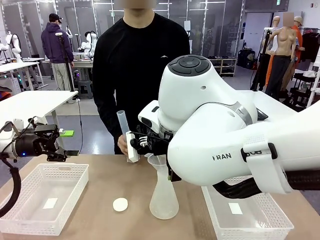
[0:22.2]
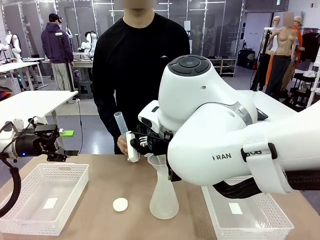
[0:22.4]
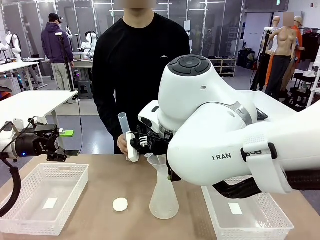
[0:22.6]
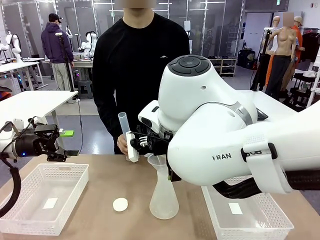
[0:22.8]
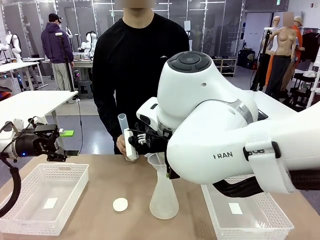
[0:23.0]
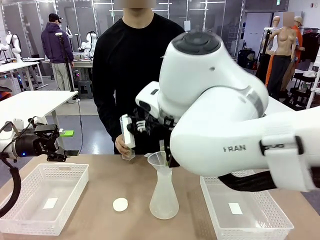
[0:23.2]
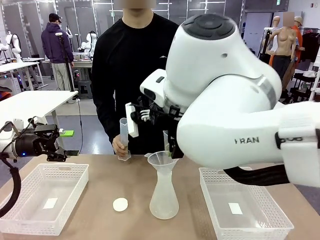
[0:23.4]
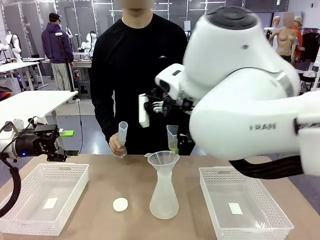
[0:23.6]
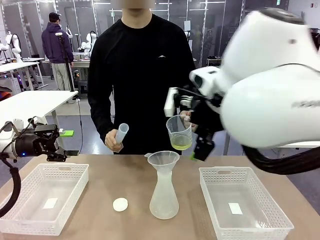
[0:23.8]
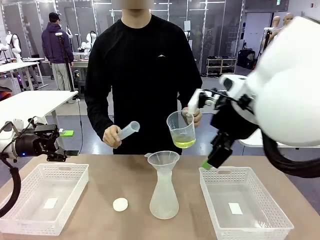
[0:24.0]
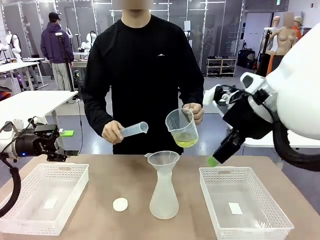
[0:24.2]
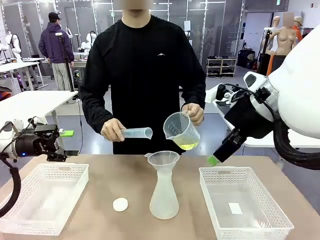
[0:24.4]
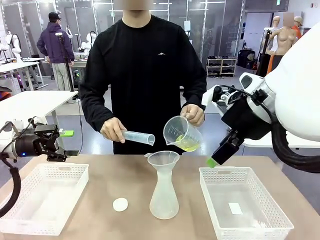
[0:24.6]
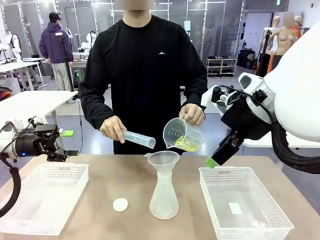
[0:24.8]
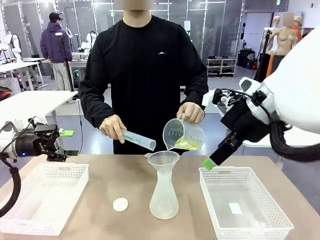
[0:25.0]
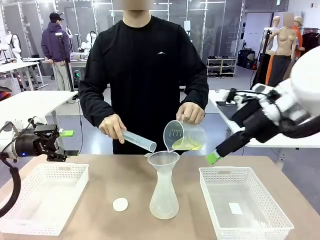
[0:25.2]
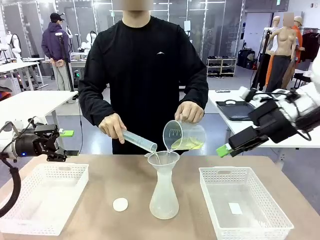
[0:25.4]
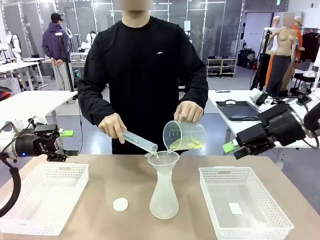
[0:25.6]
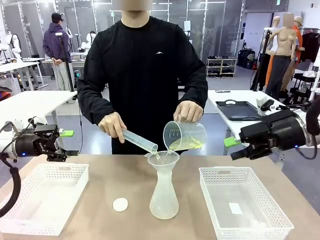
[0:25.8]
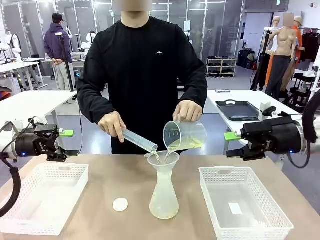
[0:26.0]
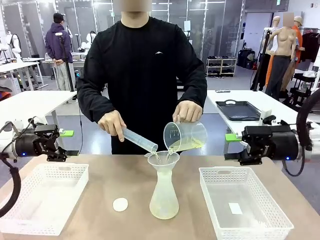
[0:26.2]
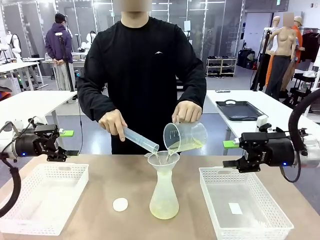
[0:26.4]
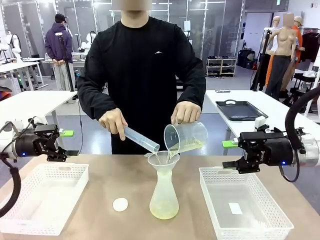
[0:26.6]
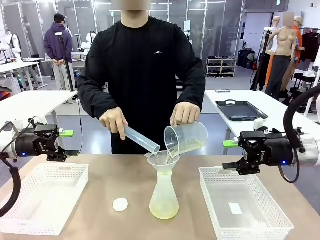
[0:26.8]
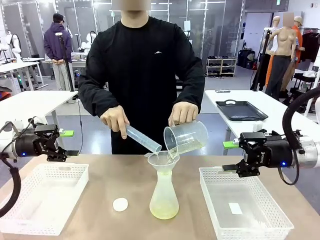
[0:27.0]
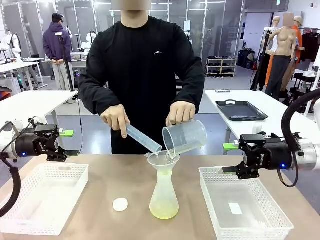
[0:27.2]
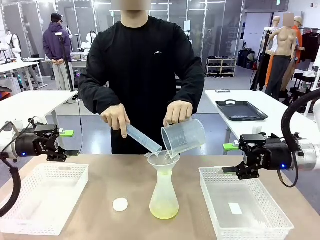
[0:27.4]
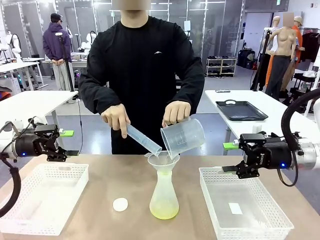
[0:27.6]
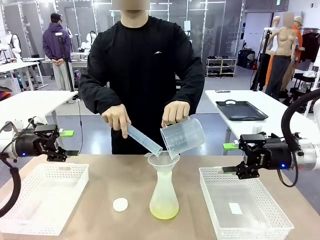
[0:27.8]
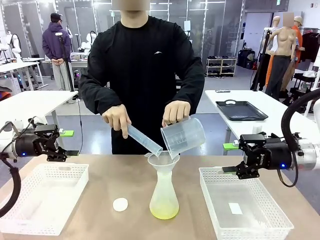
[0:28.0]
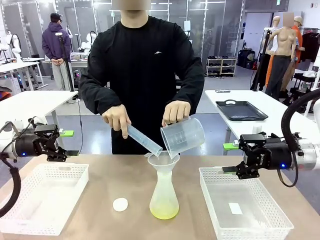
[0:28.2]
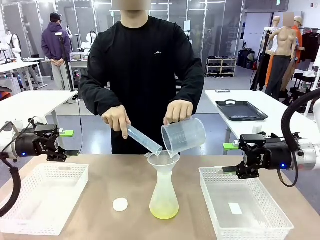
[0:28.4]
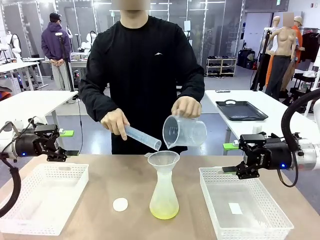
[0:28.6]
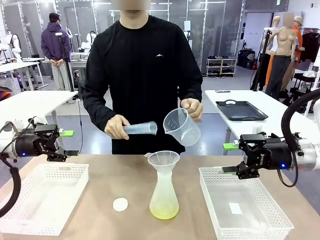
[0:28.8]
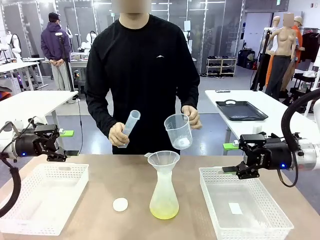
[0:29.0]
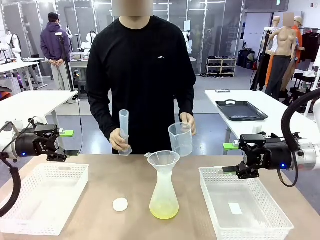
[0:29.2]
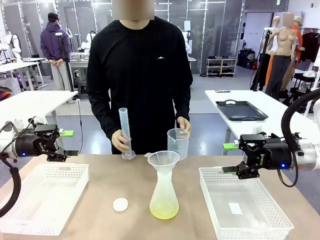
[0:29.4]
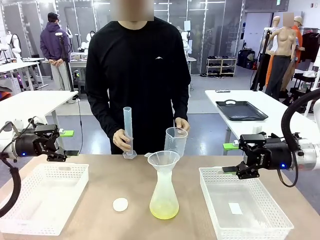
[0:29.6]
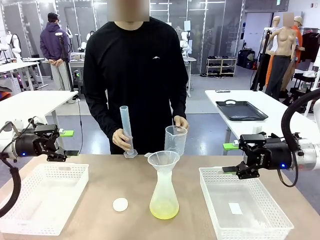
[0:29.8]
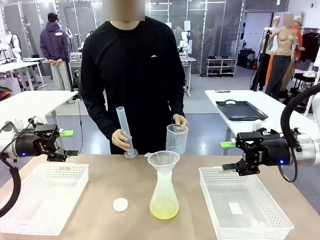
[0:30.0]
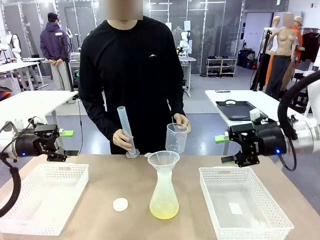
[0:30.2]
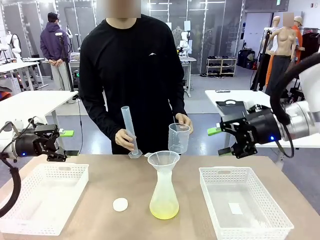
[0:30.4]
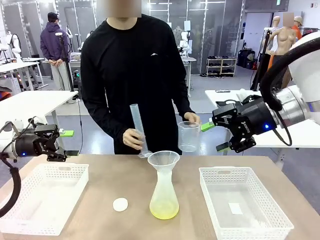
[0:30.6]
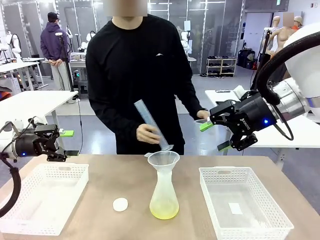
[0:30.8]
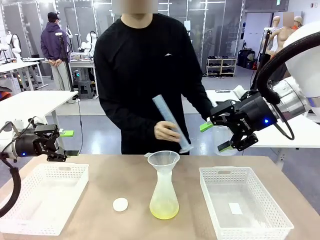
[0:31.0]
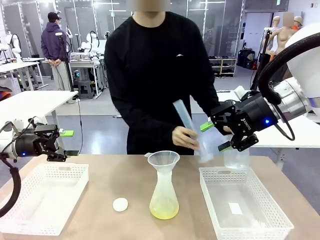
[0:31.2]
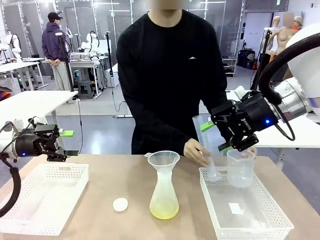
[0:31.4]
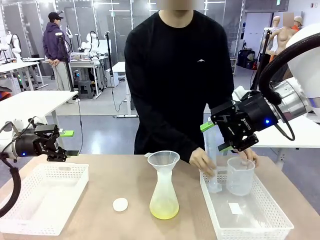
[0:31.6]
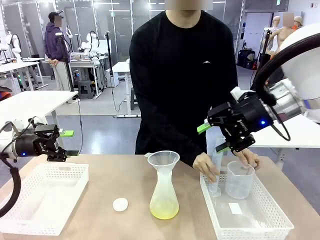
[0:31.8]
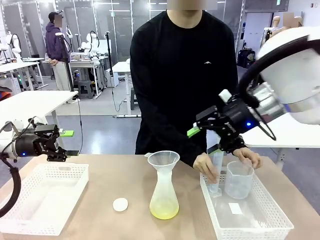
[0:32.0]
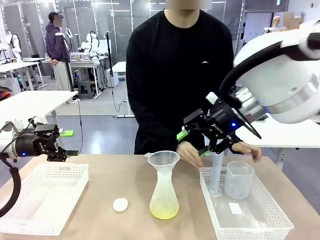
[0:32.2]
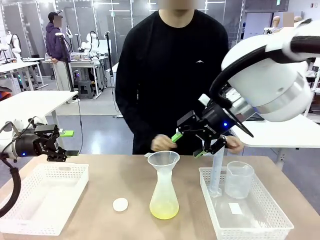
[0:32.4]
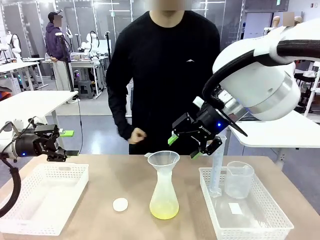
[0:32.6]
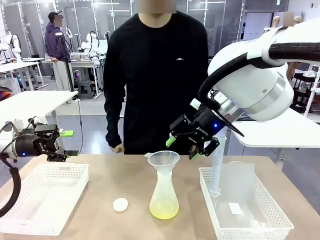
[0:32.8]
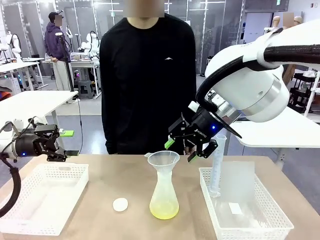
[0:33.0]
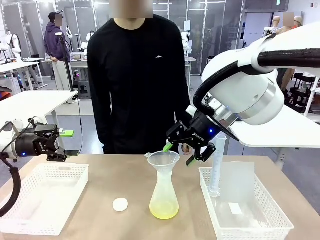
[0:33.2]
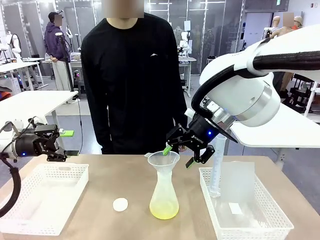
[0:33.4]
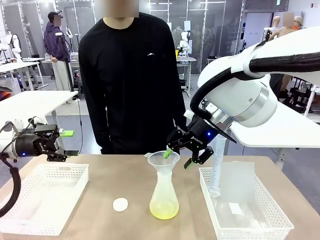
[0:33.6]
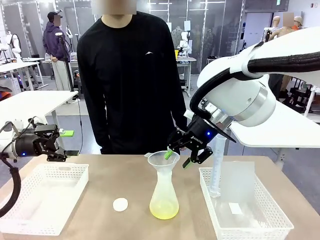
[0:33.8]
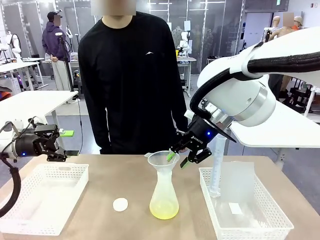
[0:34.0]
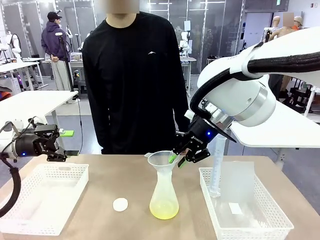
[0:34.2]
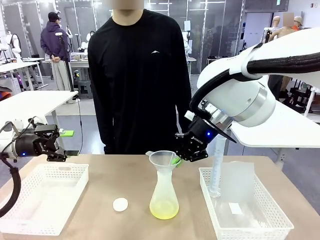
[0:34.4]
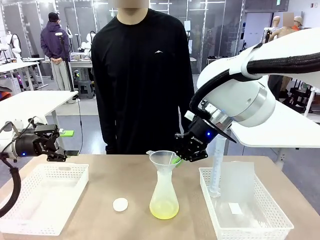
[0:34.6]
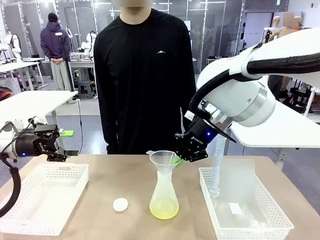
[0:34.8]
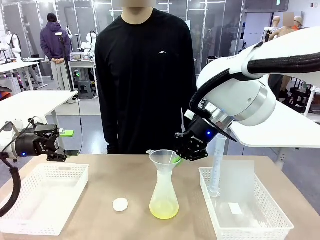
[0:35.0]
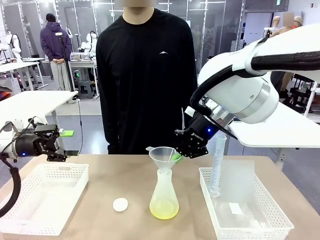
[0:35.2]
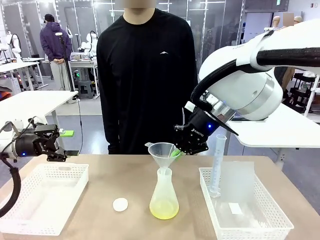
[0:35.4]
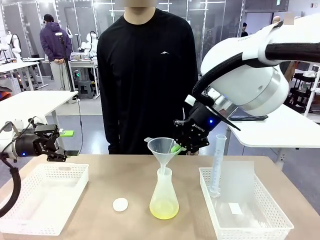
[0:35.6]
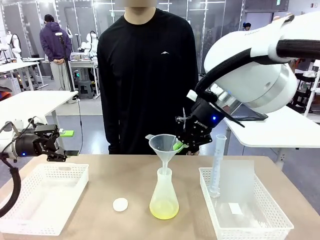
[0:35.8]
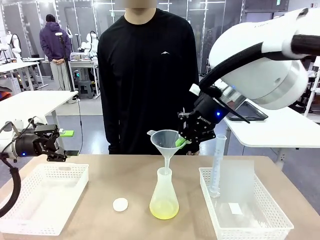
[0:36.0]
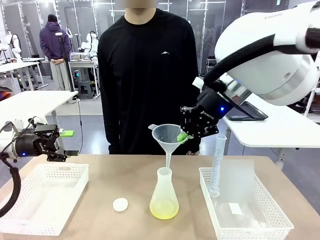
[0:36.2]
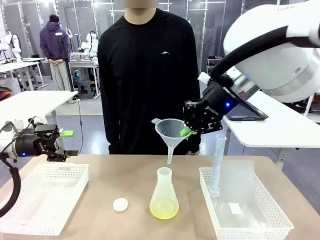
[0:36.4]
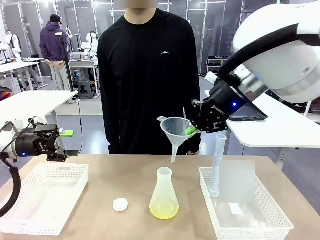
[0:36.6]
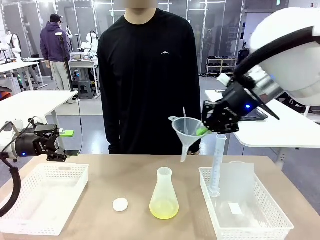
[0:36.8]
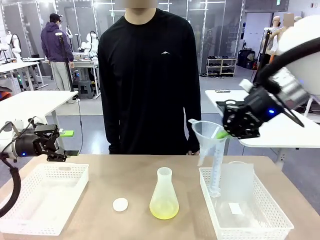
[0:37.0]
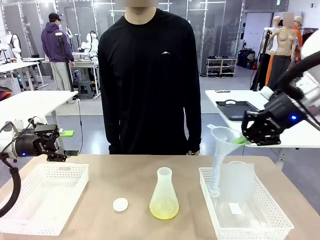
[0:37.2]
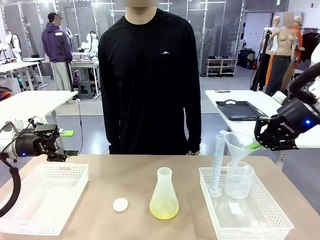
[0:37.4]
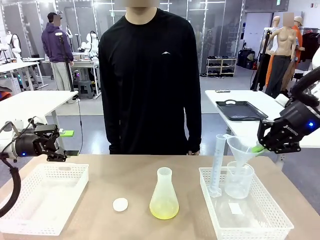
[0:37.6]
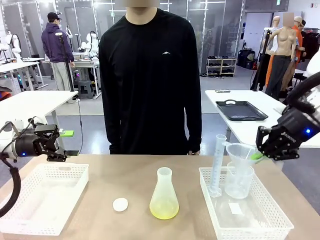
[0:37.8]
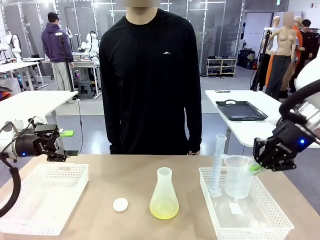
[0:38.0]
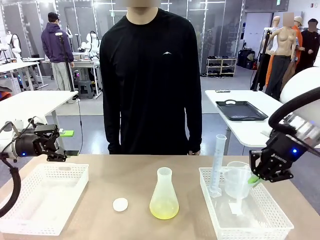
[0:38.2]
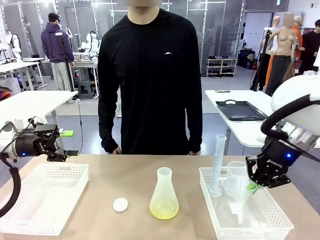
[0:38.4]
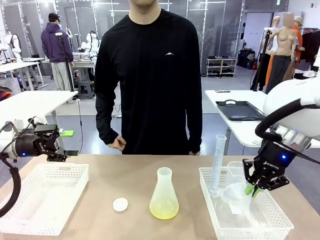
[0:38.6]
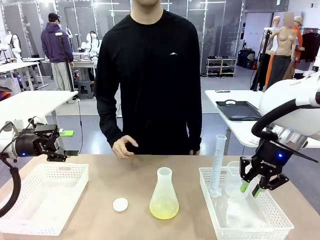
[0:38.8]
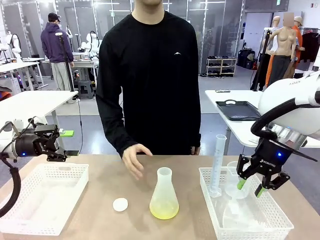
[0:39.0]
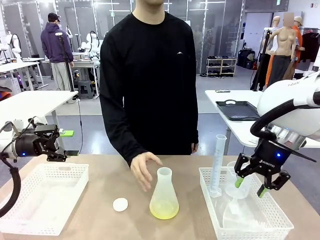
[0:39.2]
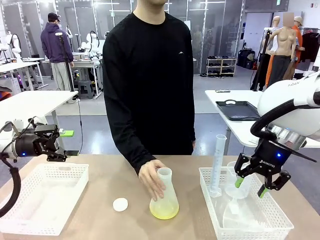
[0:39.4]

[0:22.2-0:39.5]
Task: Prepare the solutions needed for the experiment.
Robot: Once the solution is in the Big flask , pick up the Plastic Funnel and place it back into the right Organizing basket.
Person: Place the beaker and the cylinder into the organizing basket on the left side.
